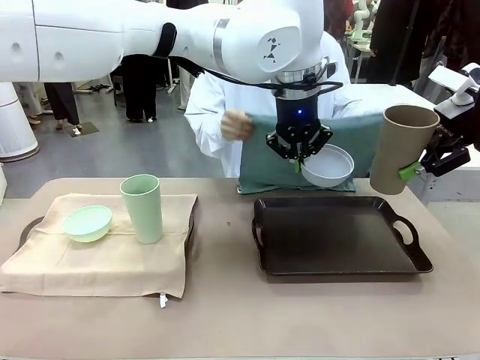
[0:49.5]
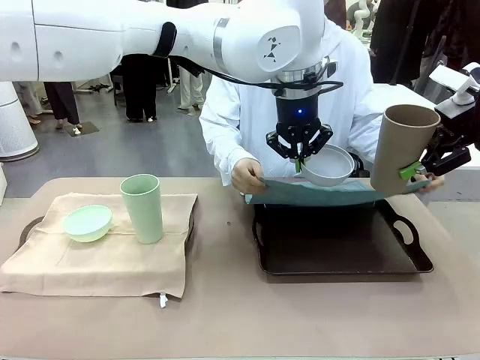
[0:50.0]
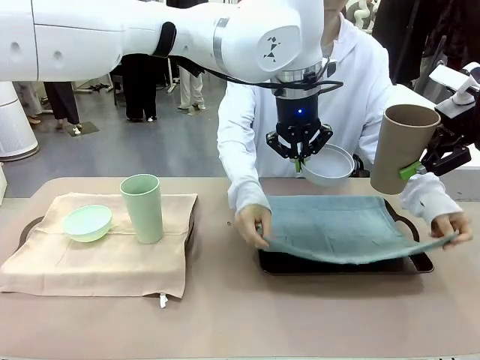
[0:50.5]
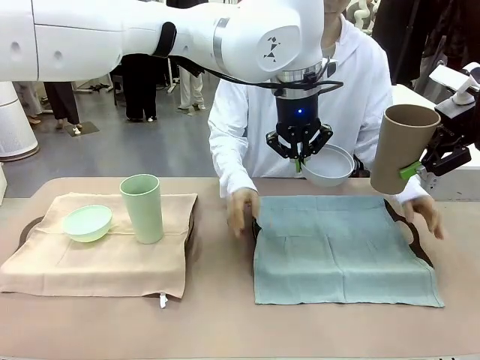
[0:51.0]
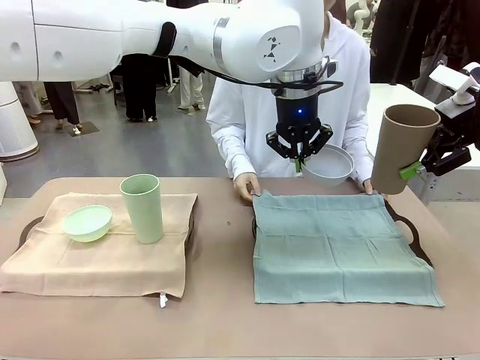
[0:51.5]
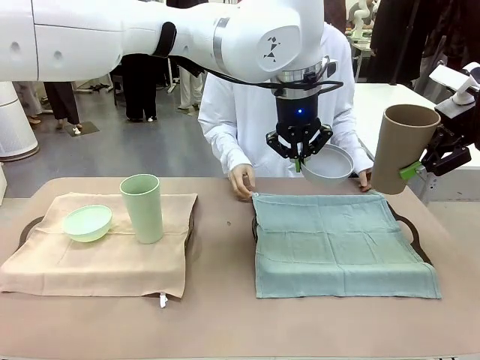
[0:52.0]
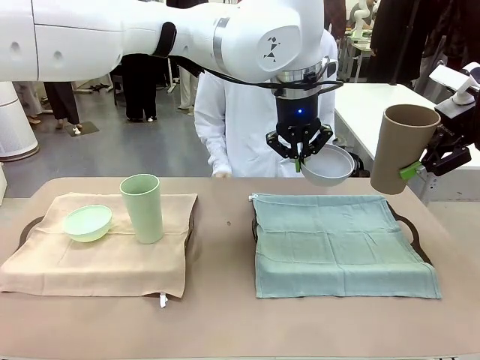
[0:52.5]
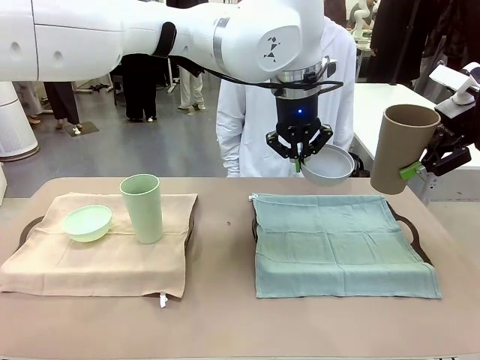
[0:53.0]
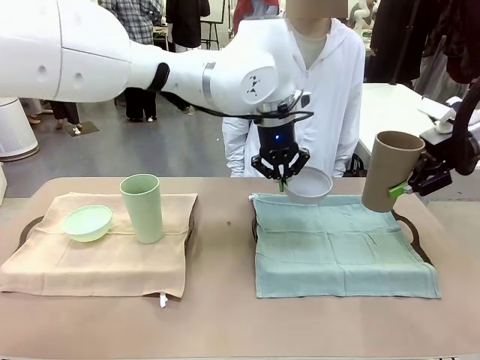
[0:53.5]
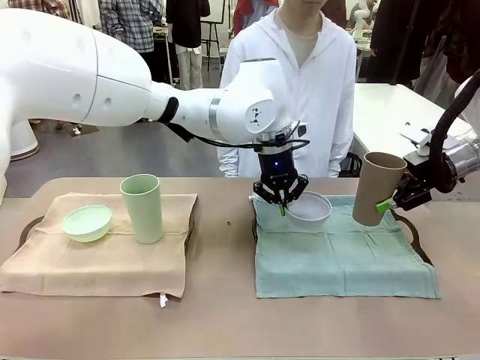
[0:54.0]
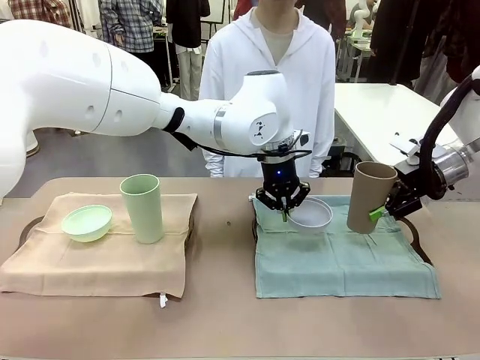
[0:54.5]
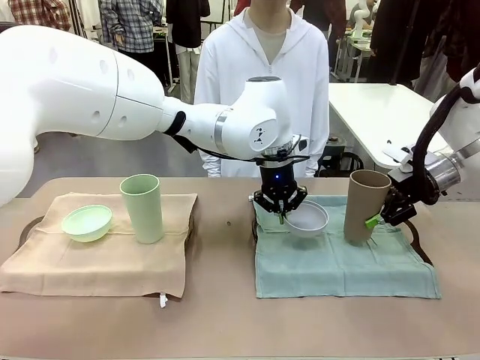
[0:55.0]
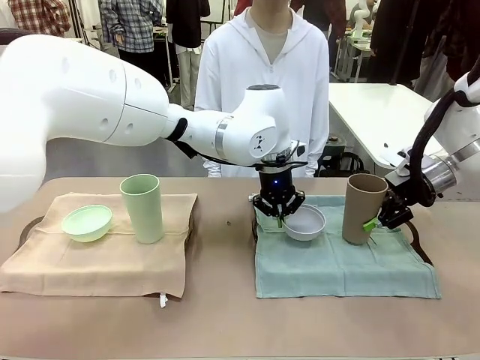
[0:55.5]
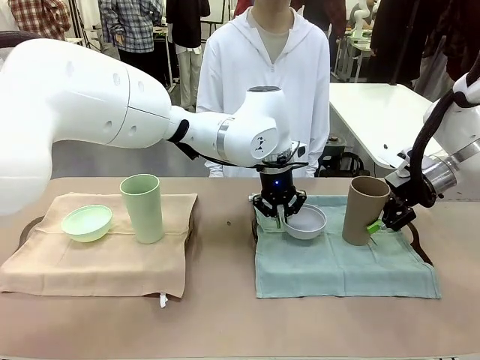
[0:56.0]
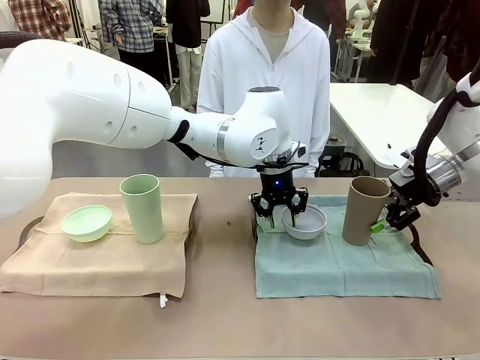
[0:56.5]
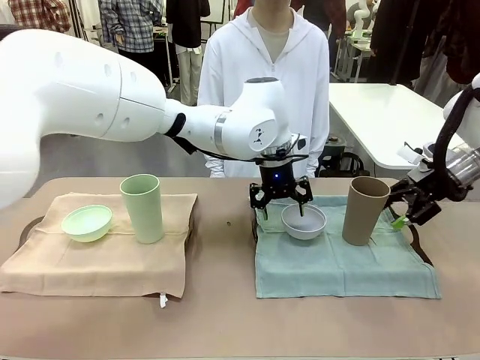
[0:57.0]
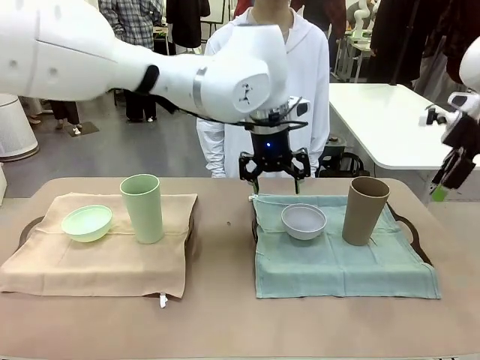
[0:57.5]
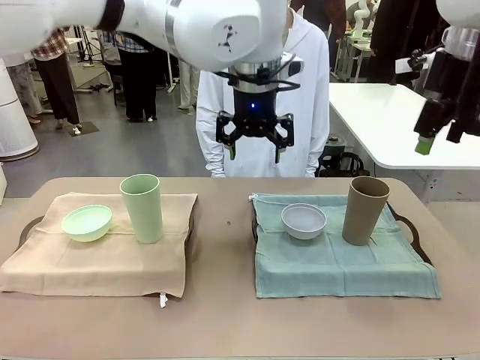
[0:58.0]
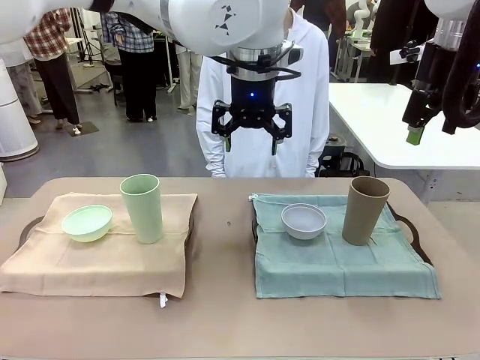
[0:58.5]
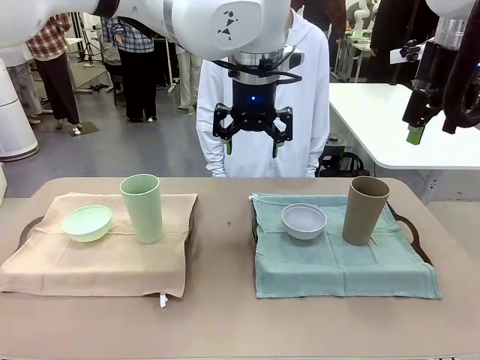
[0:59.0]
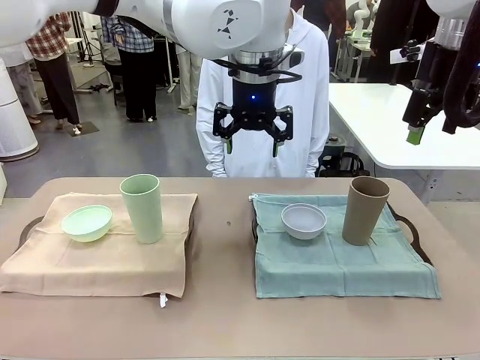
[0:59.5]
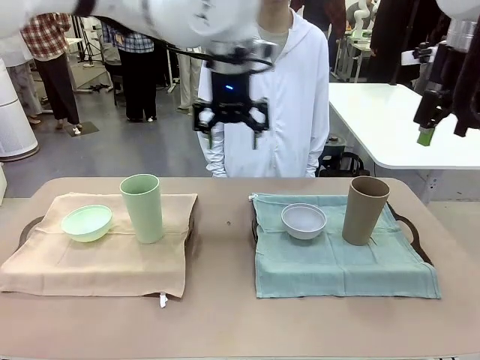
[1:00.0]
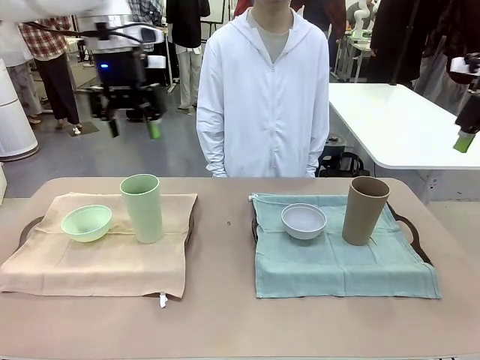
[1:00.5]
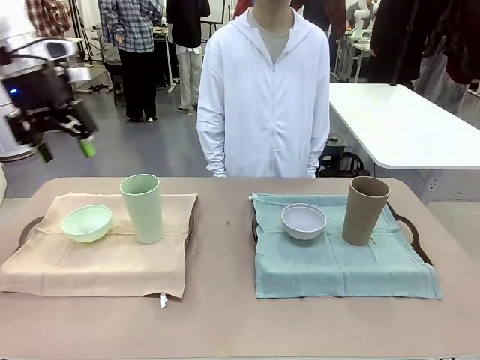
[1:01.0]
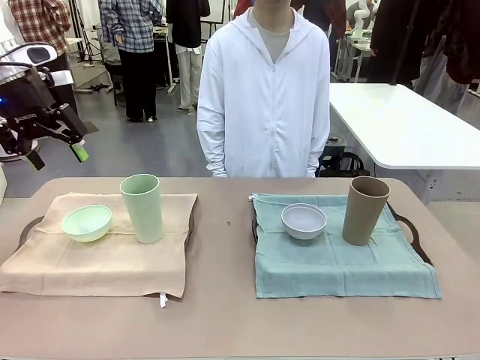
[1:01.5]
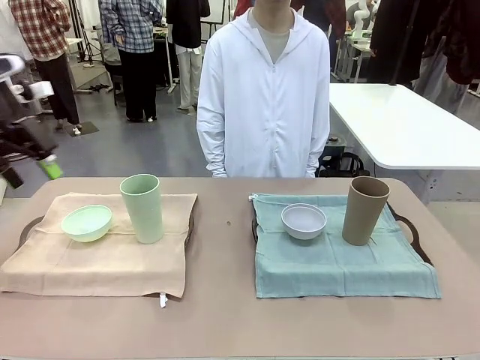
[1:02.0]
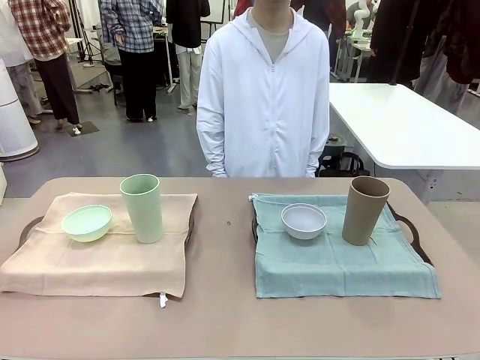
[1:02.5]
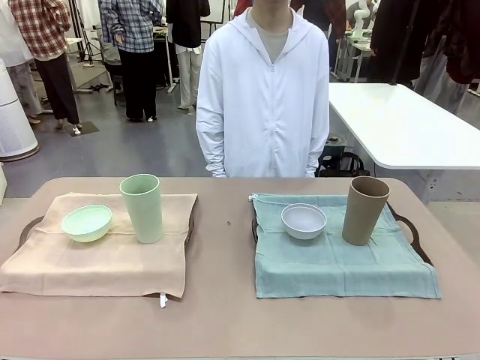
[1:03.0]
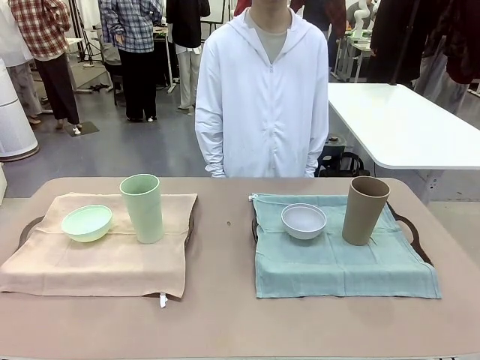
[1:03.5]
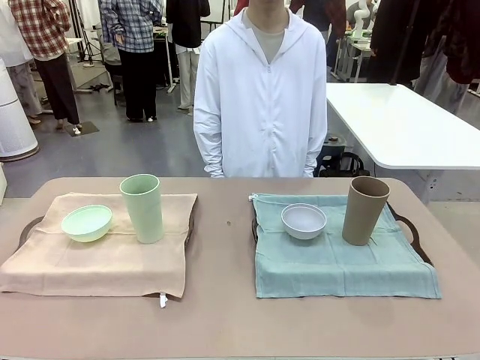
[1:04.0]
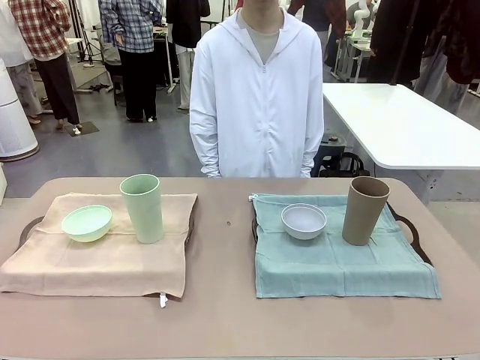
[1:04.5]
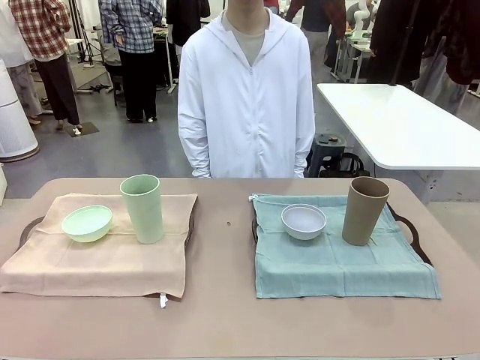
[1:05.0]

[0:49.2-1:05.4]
Robot: Place the Picnic Bowl and Reusable plastic cup back onto the Handle tray in front of the human's position.

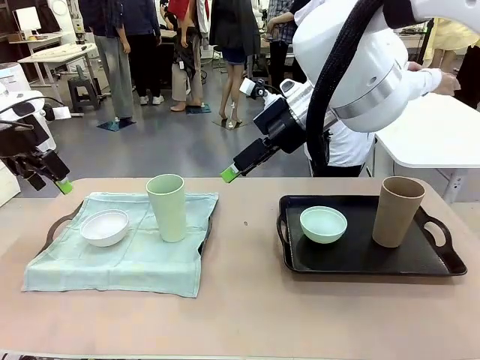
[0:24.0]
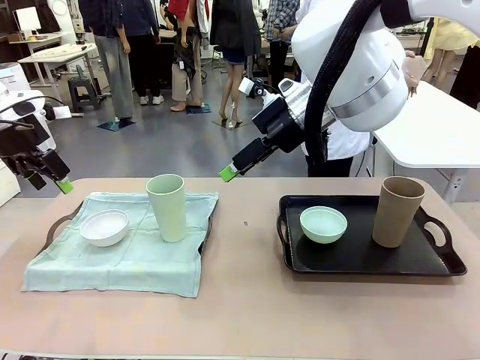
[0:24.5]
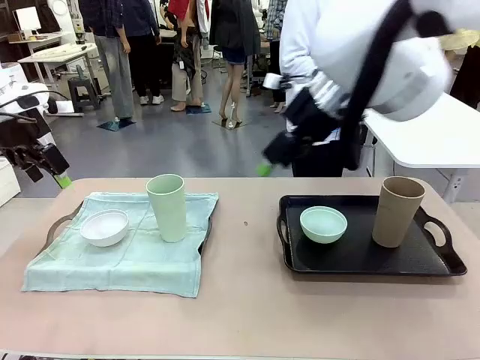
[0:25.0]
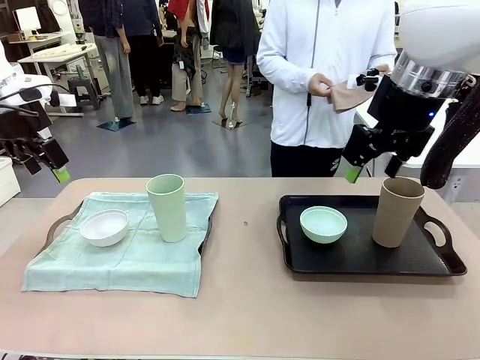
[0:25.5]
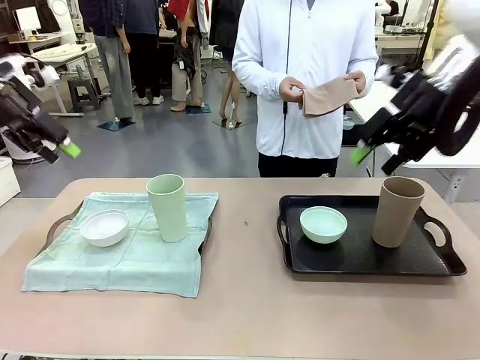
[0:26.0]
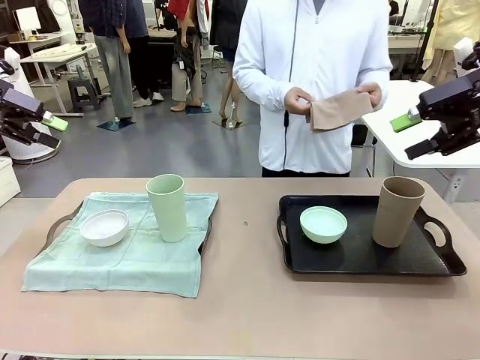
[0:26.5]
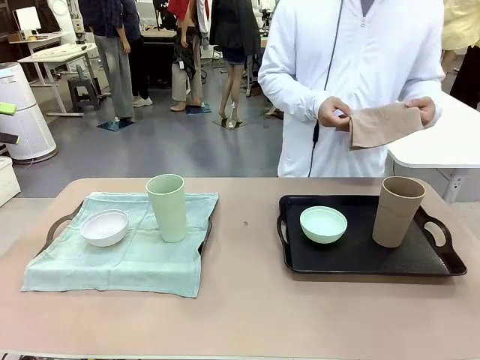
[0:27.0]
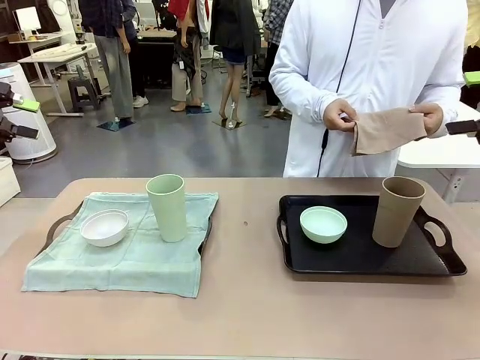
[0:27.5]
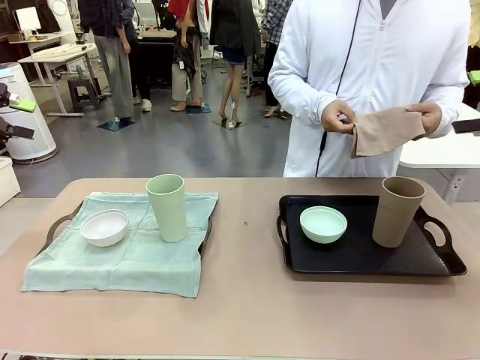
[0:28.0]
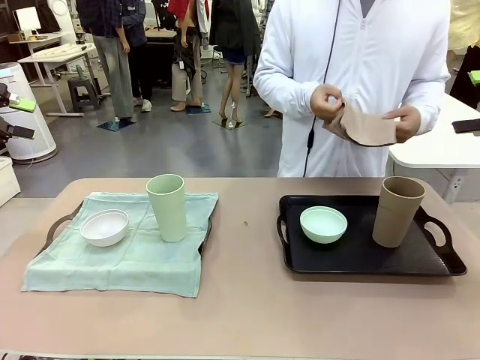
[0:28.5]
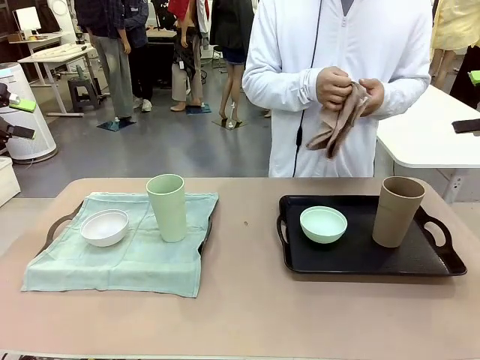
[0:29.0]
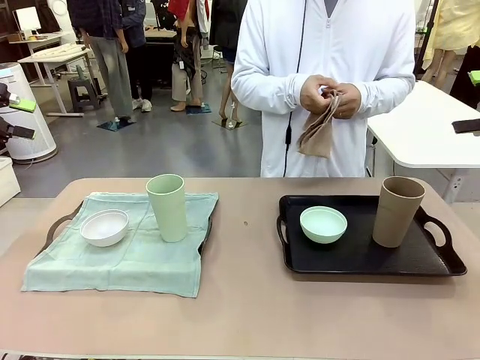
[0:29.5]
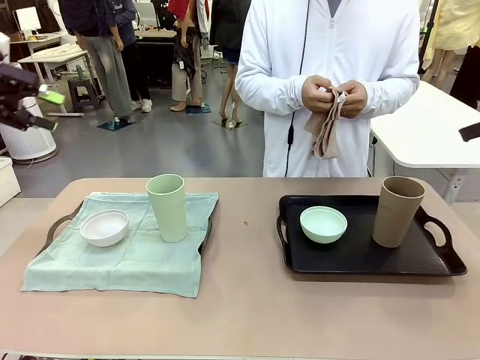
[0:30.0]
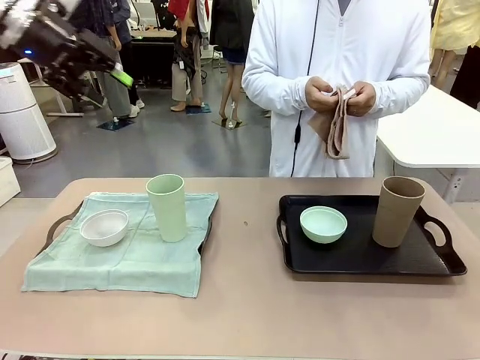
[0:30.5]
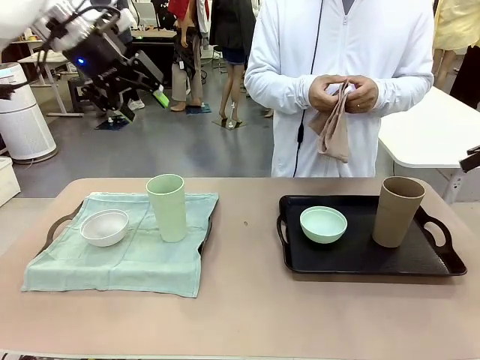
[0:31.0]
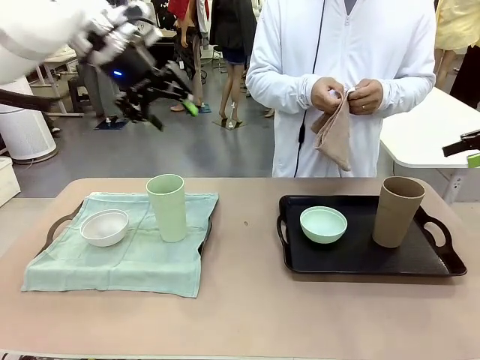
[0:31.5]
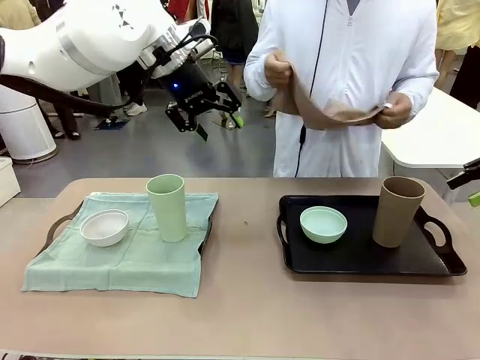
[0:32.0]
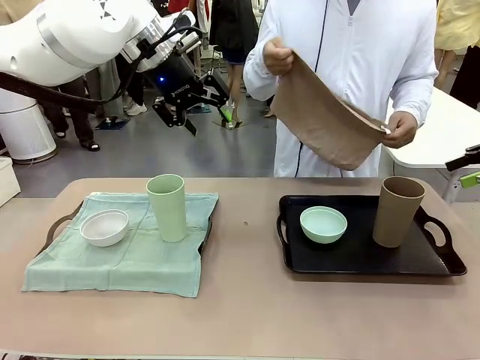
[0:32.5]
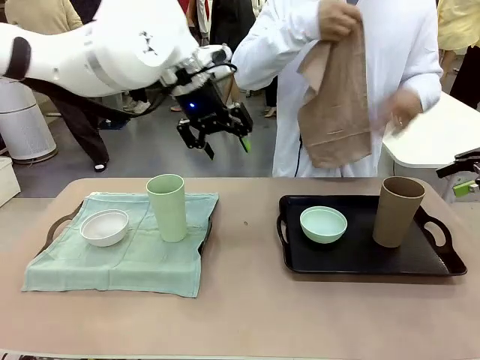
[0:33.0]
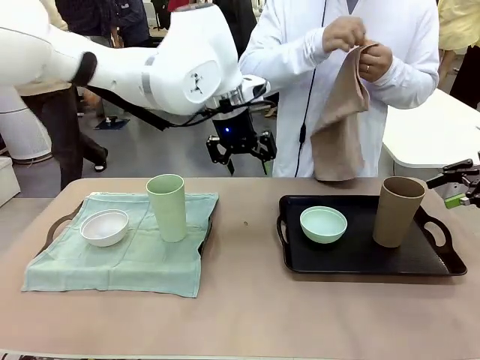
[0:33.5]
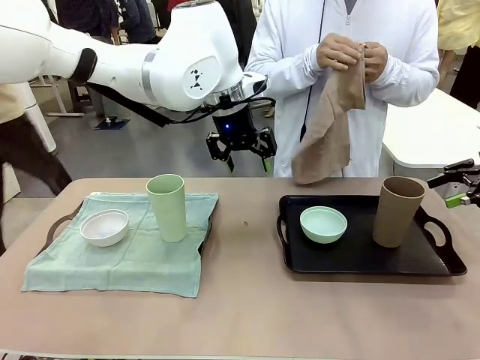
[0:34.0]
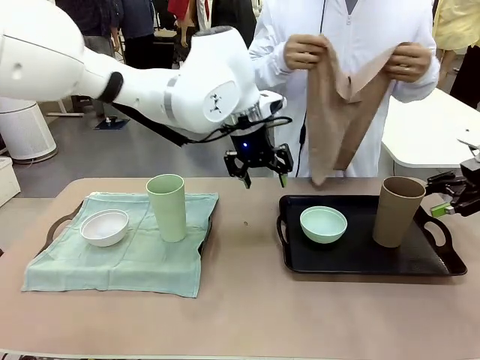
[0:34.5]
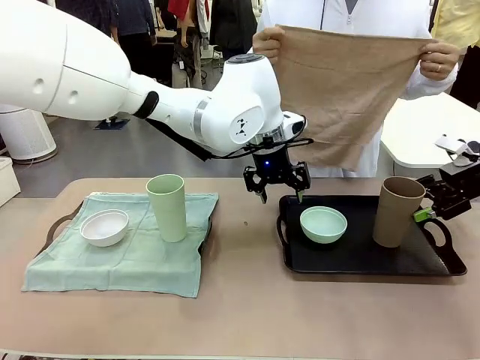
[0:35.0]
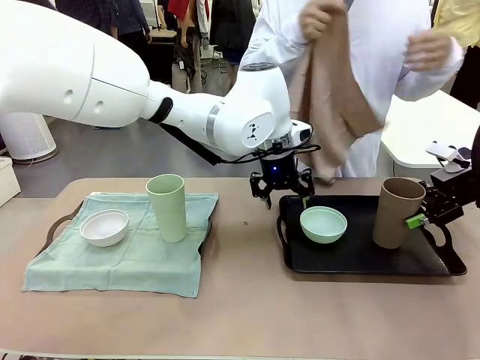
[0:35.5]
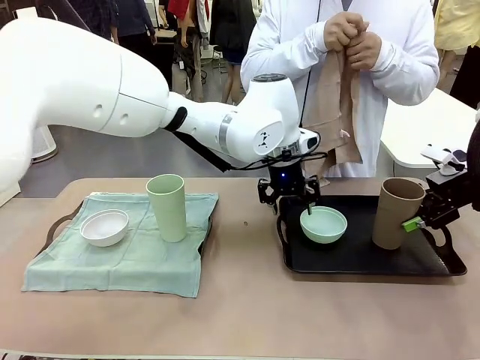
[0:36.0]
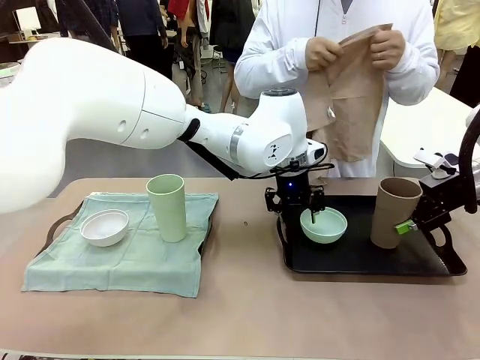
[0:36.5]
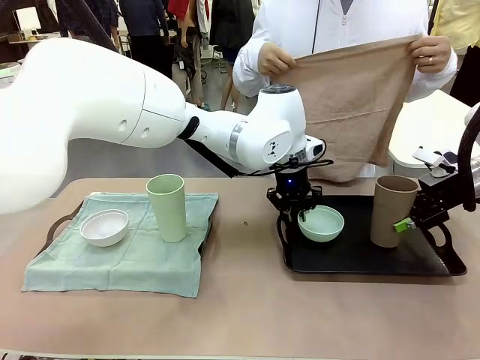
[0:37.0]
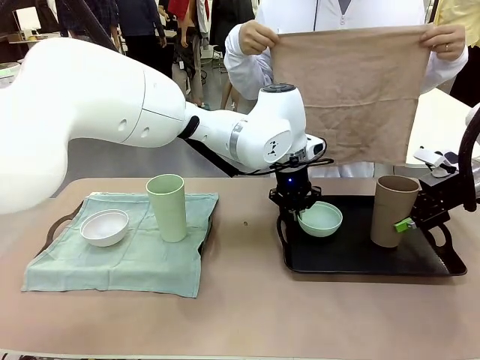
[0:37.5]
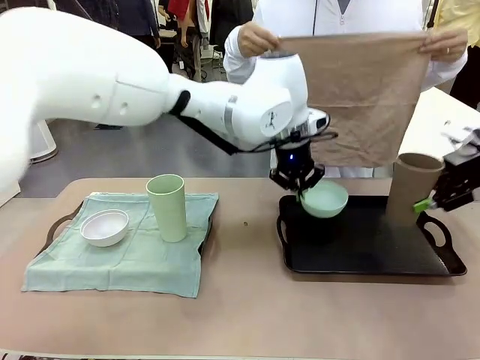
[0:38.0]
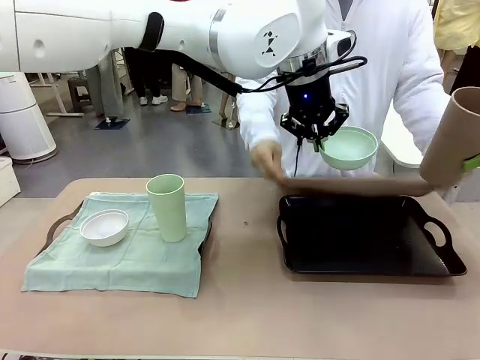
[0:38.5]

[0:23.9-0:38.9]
Robot: Pick up the Picnic Bowl and Reusable plastic cup from the Handle tray in front of the human's position and hold them in the air.
Person: When the robot lifts the bowl and the cup, the human unfolds the napkin and lays the napkin flat on the tray.
